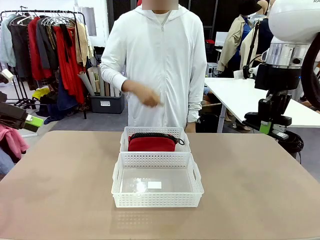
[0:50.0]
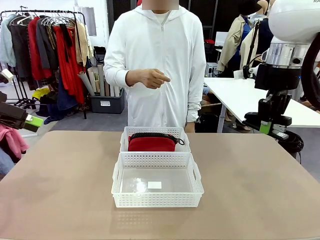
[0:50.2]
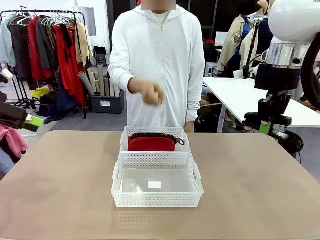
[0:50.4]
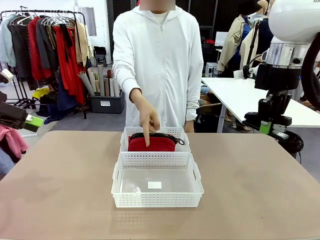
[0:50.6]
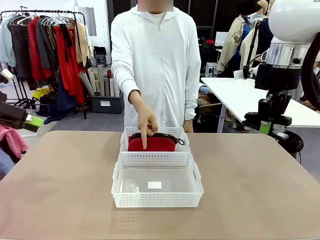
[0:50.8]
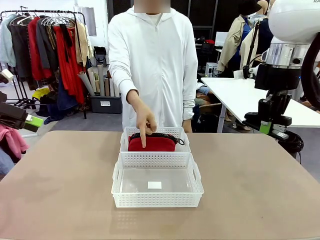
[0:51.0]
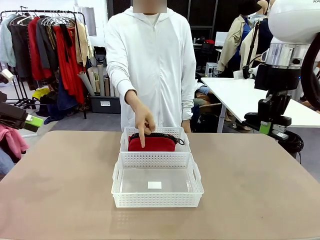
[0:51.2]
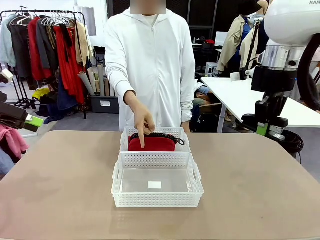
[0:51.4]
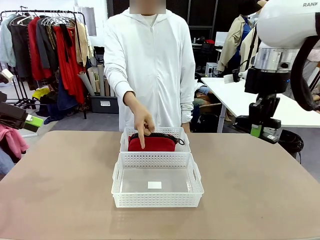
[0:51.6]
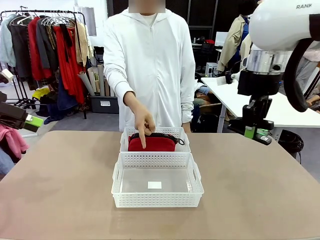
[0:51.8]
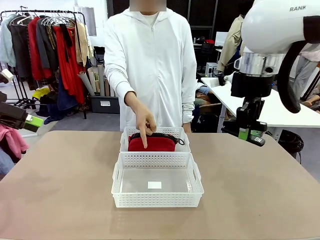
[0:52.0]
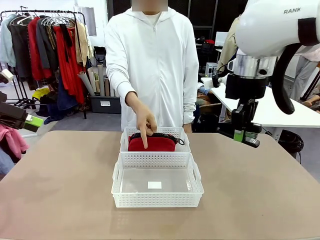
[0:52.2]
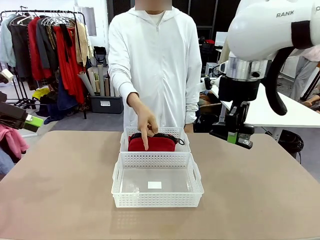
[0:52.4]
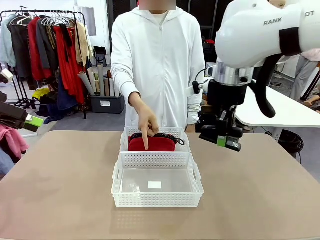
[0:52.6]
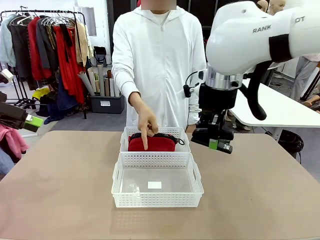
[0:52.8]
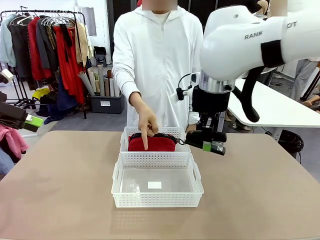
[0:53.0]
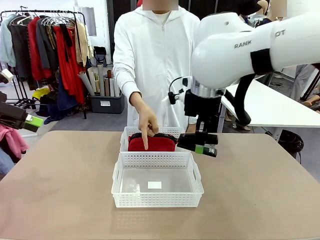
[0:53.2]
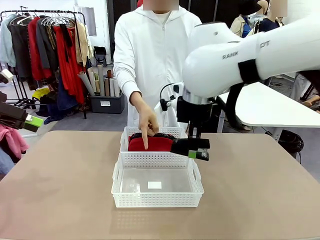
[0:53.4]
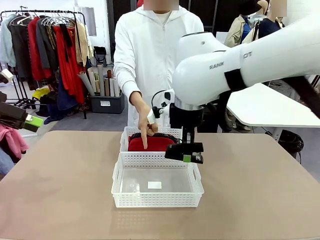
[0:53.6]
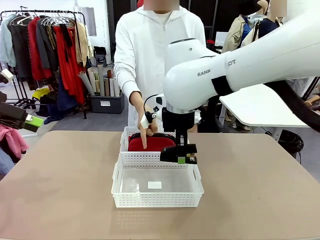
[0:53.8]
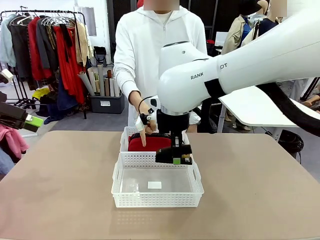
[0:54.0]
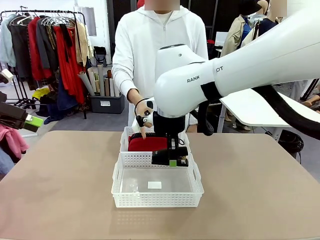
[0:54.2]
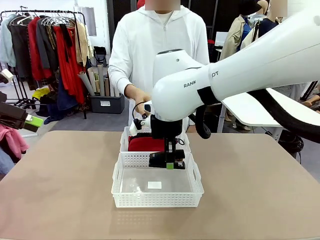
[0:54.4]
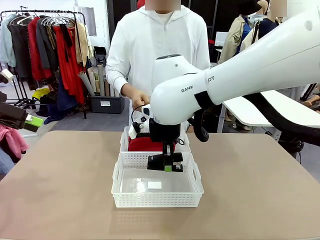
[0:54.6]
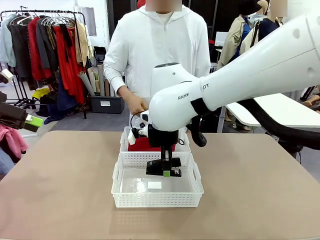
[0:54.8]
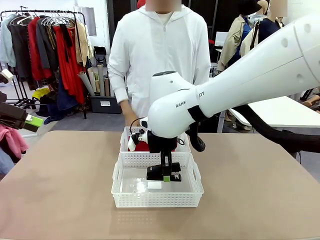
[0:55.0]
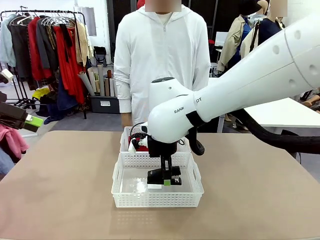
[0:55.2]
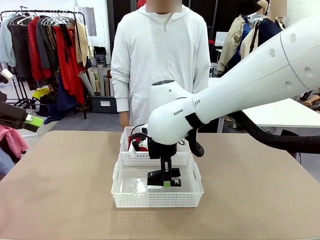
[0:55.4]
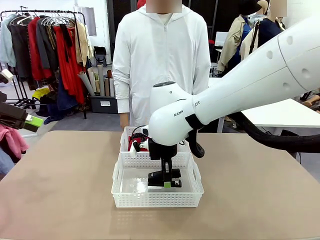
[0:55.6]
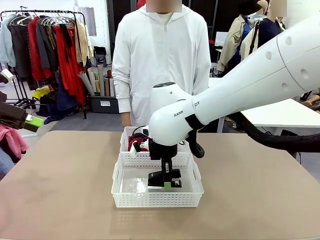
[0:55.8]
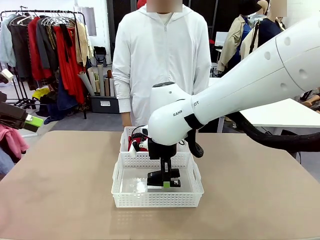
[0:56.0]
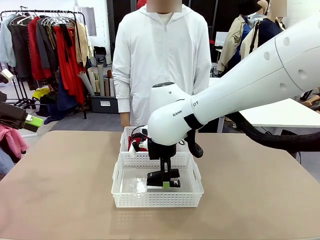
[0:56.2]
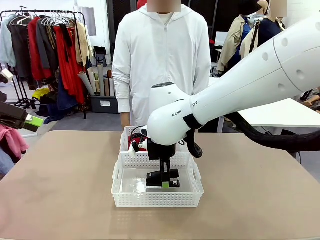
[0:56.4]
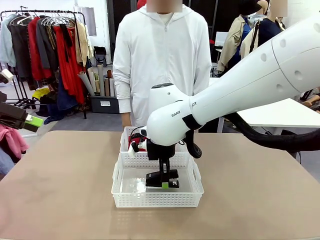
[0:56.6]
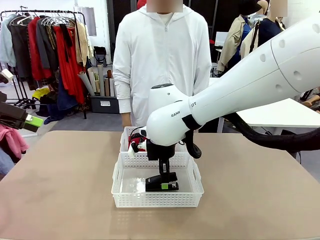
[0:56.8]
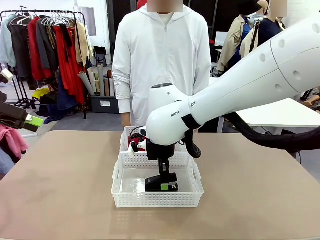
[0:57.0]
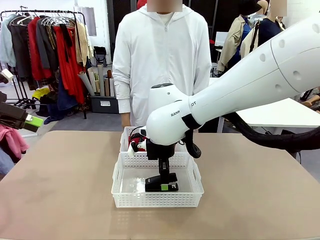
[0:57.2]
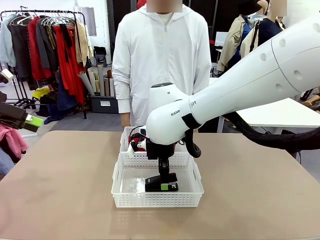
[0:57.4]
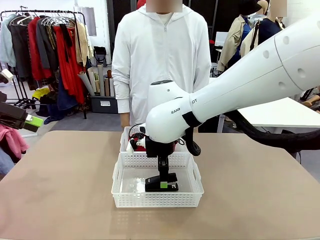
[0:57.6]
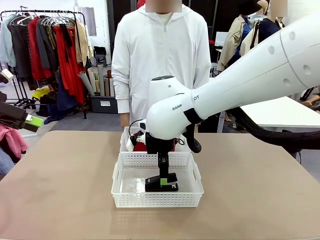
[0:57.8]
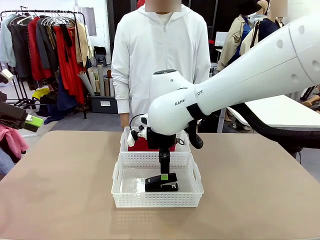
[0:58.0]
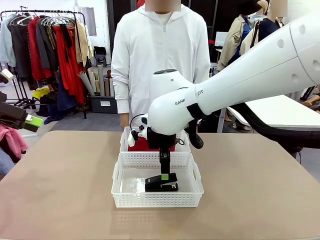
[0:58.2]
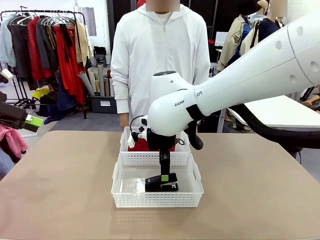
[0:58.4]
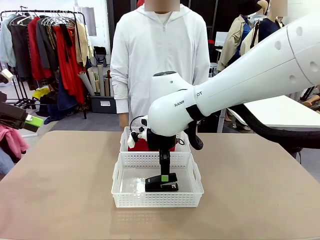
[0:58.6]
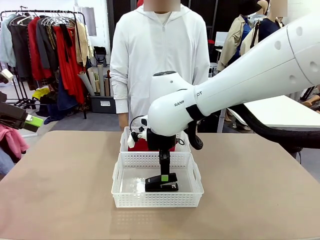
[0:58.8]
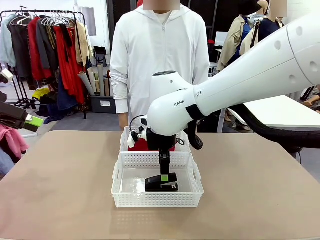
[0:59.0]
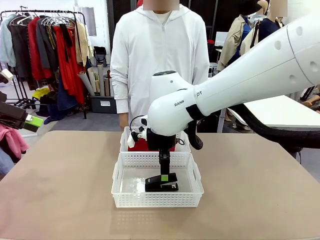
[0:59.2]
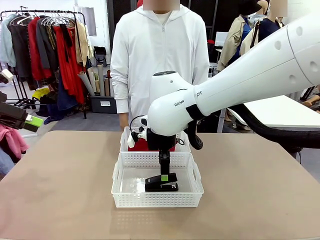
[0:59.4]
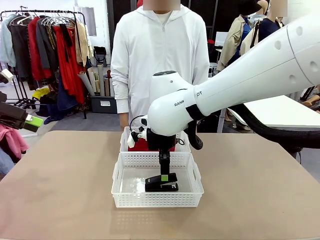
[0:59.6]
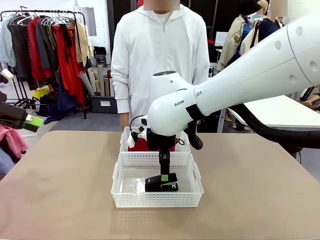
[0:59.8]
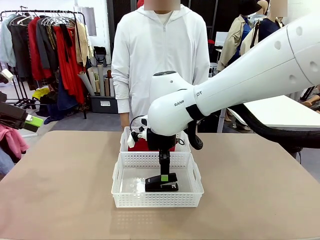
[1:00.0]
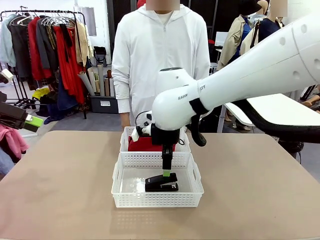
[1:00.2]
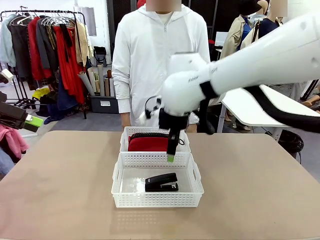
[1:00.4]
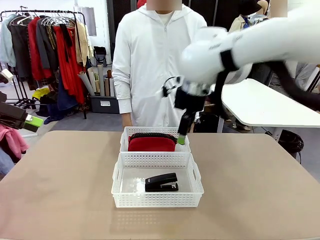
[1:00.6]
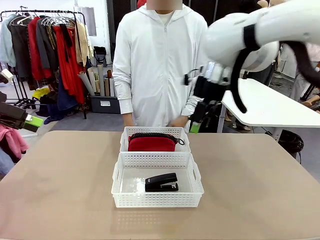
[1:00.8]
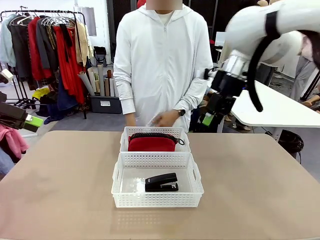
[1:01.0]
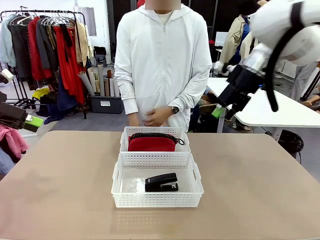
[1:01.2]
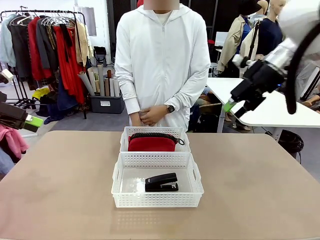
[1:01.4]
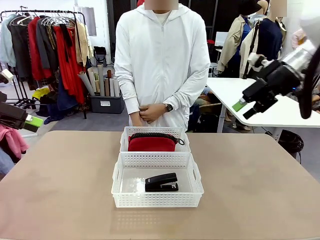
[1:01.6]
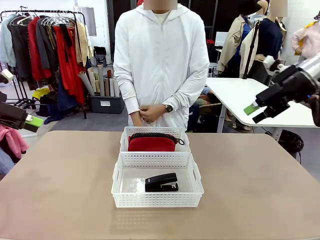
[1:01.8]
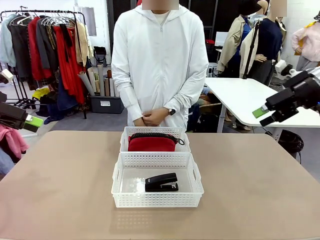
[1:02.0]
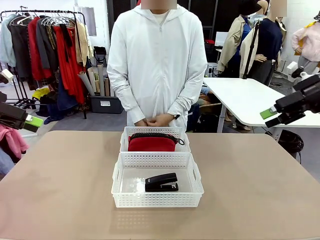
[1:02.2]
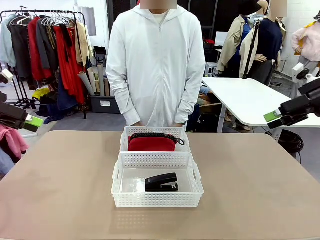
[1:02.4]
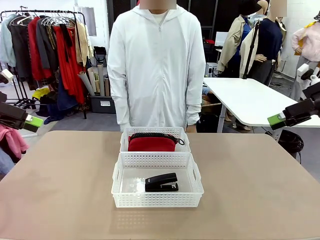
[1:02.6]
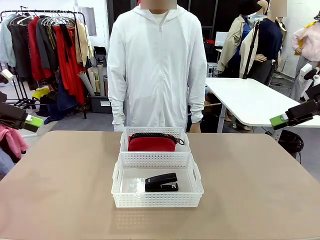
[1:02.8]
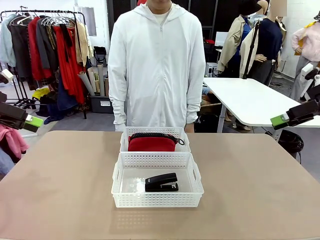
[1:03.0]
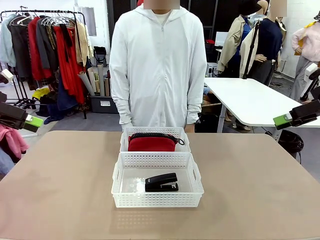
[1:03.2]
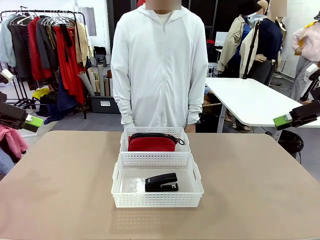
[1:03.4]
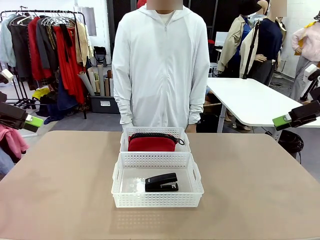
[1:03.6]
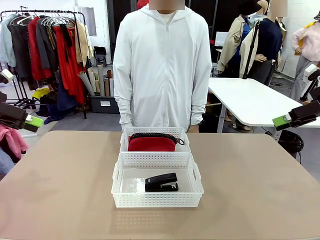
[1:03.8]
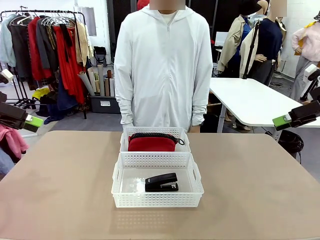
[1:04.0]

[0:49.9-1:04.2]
Task: Distribute items into two baskets.
Robot: Place the picked Stapler into the Organizing basket as instructed by the person.
Person: Points to the basket that does not contain the pencil case and instructs the robot to move the stapler there.

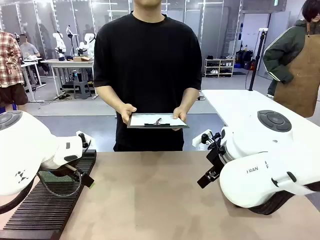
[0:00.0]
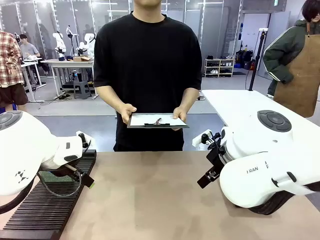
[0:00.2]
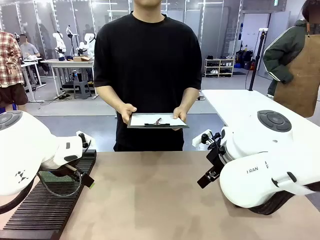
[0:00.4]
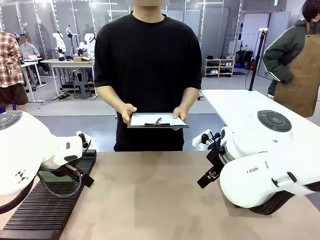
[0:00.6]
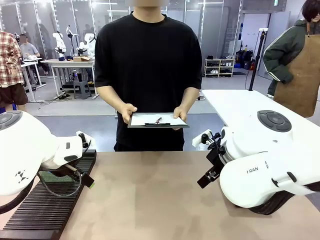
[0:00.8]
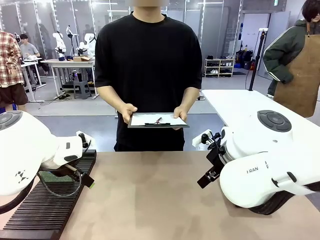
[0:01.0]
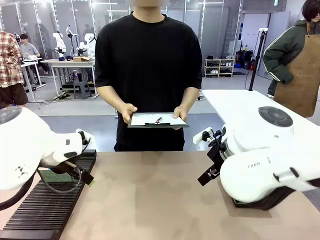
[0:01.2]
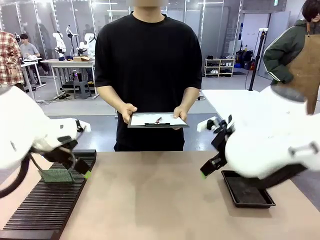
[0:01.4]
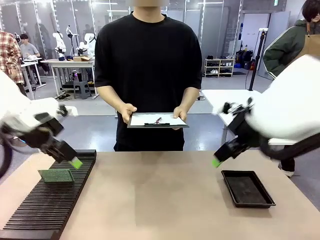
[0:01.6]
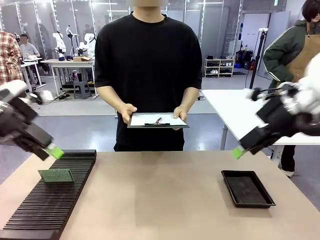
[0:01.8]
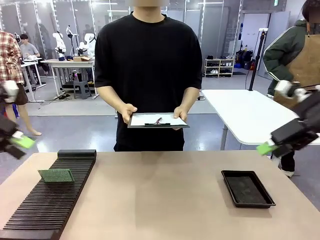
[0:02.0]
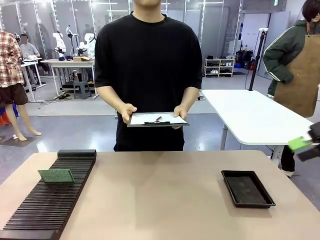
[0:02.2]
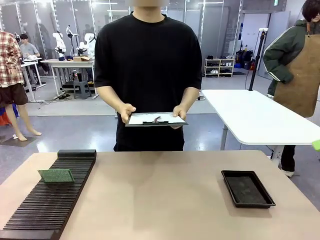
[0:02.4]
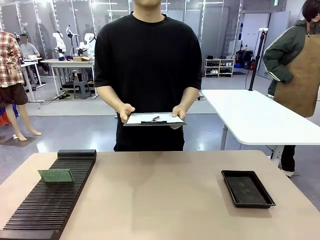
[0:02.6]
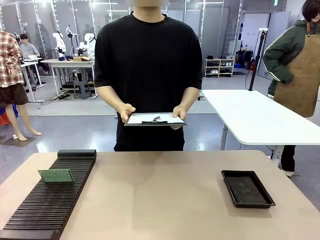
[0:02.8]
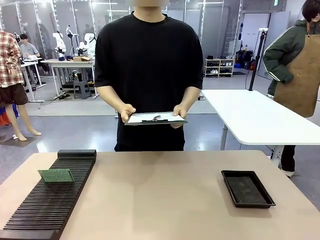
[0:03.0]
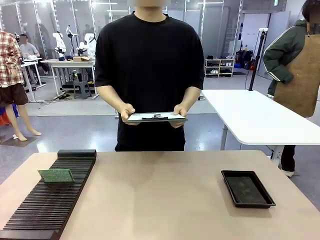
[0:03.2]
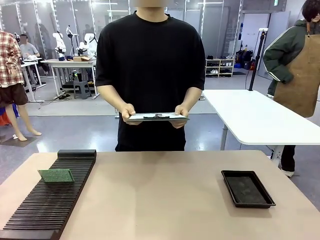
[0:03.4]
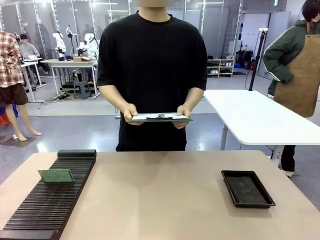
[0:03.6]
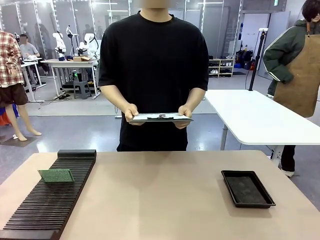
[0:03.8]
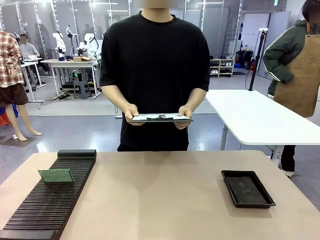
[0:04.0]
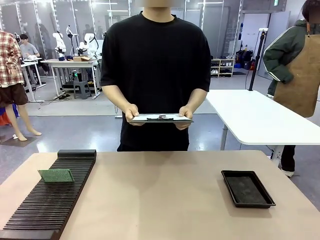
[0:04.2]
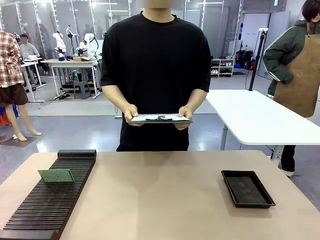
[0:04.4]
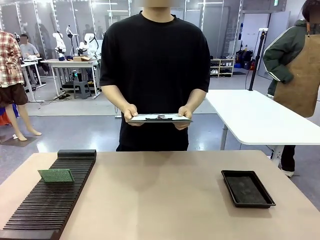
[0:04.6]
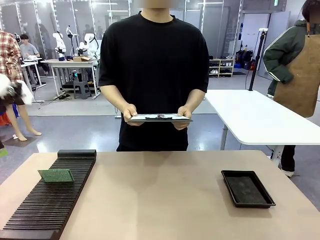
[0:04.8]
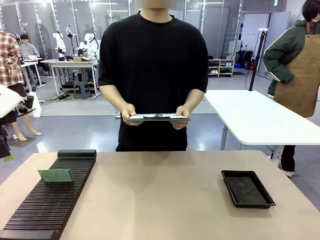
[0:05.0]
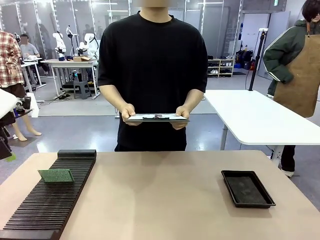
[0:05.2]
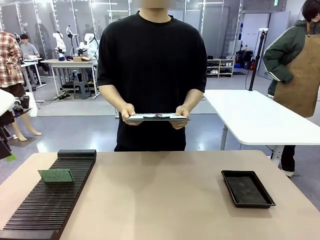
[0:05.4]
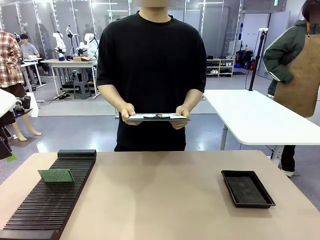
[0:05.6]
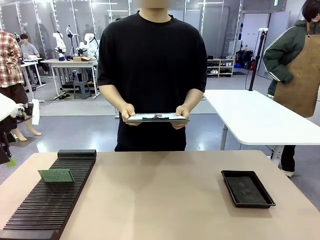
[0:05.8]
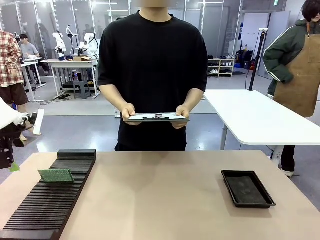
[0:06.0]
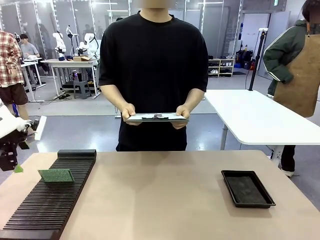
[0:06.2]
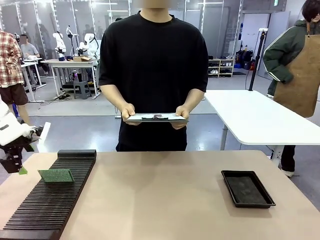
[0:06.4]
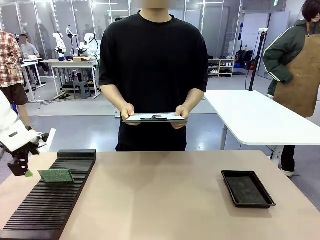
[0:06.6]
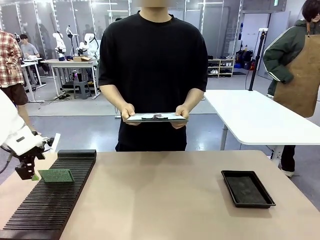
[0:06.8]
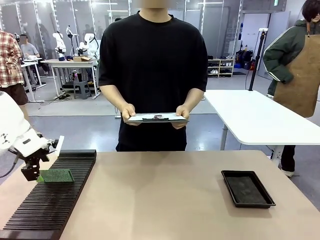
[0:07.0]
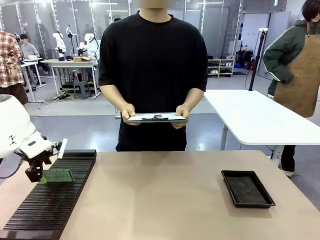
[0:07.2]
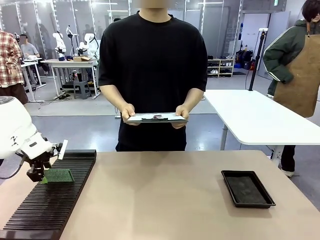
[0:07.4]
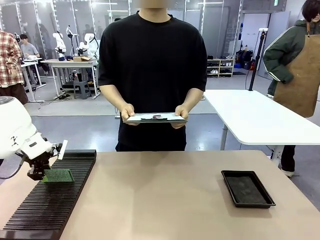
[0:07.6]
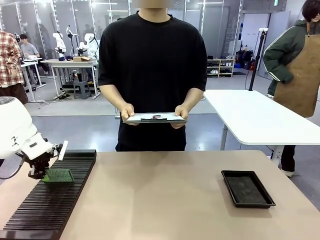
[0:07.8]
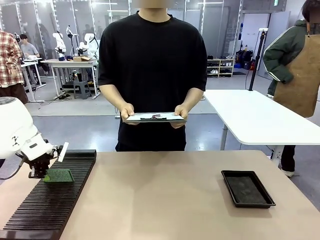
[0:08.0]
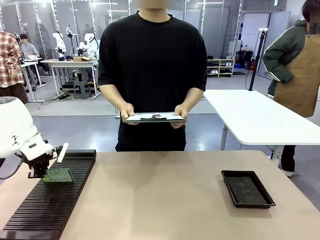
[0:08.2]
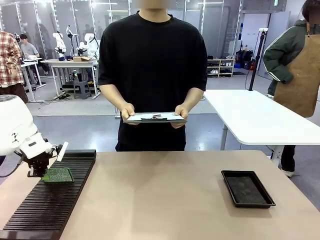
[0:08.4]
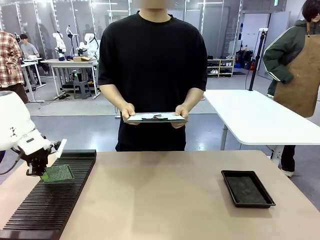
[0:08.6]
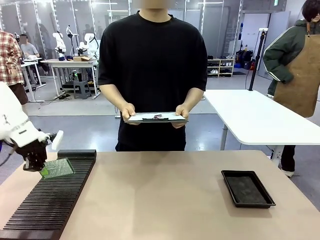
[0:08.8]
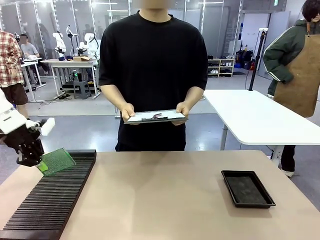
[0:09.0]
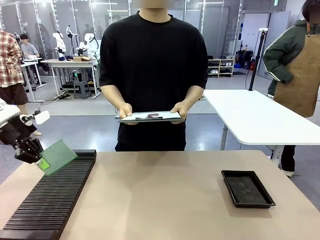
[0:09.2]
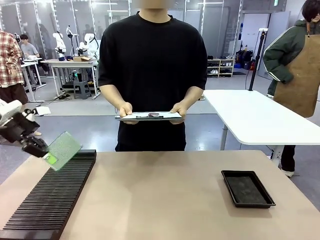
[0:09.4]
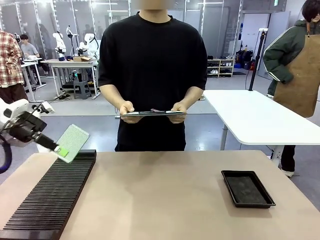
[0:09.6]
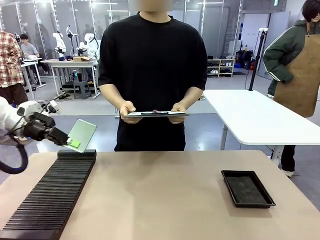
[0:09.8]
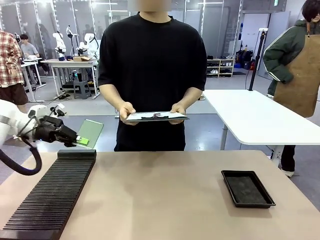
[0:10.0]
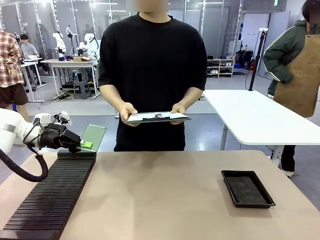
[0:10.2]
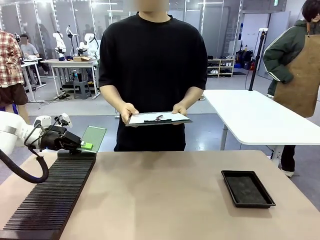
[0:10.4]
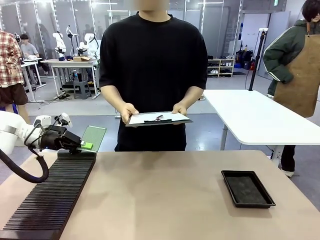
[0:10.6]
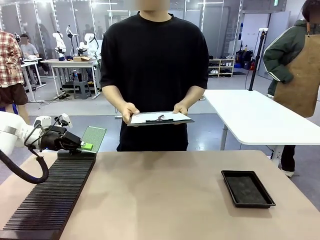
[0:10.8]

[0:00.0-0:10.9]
Task: Inspect the PCB.
Robot: Pick up the Blank PCB and present it to the human.
Person: Pick up the PCB presented by the robot.
